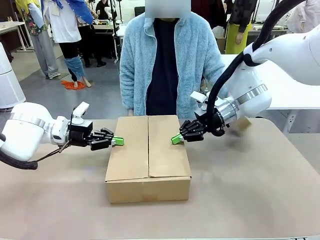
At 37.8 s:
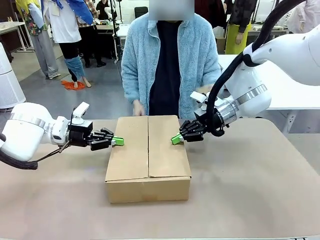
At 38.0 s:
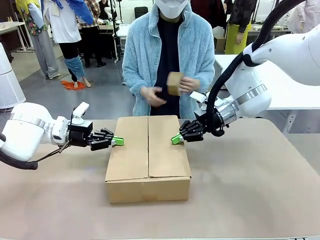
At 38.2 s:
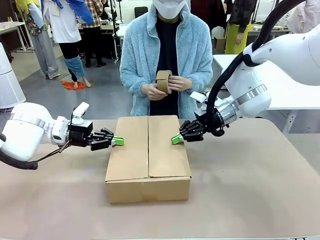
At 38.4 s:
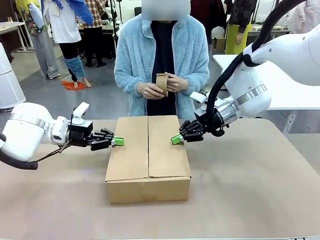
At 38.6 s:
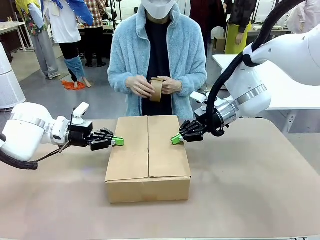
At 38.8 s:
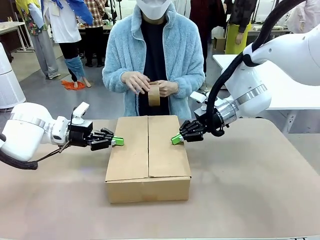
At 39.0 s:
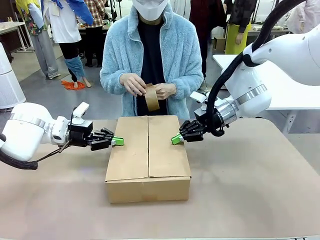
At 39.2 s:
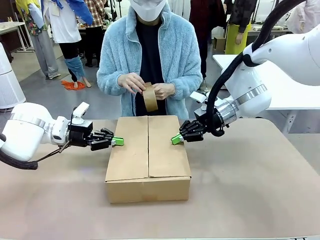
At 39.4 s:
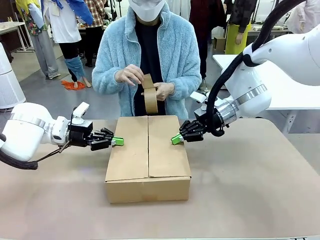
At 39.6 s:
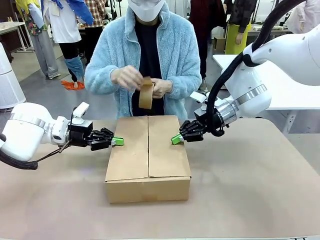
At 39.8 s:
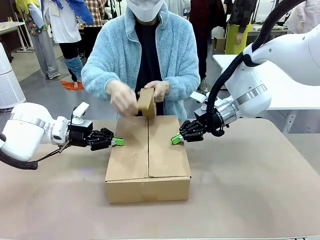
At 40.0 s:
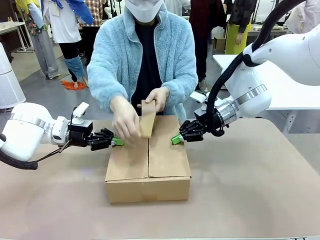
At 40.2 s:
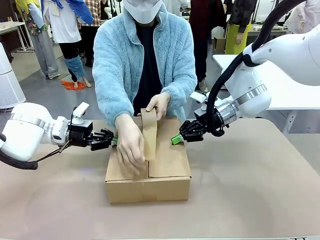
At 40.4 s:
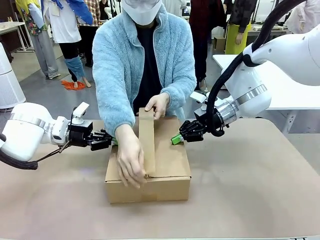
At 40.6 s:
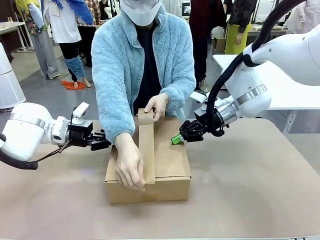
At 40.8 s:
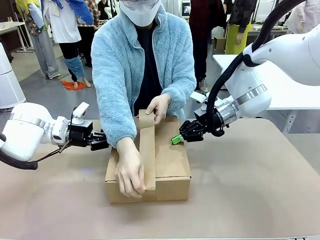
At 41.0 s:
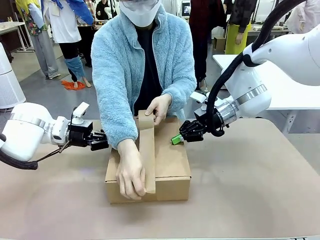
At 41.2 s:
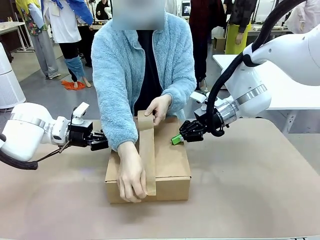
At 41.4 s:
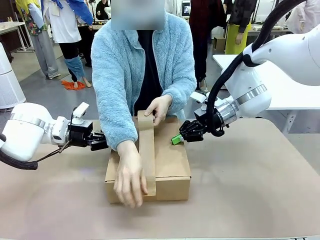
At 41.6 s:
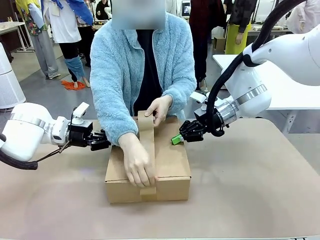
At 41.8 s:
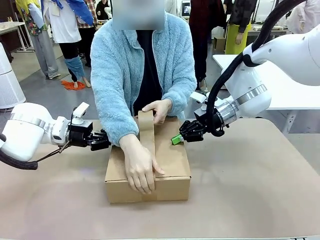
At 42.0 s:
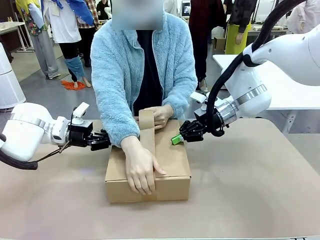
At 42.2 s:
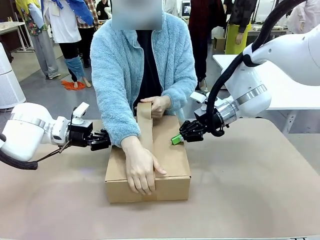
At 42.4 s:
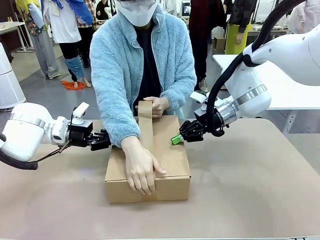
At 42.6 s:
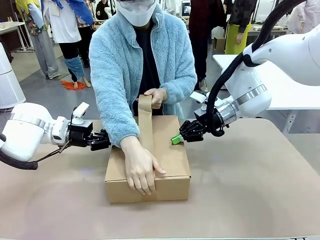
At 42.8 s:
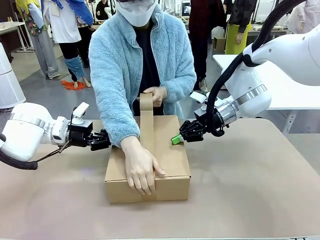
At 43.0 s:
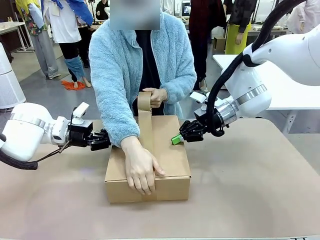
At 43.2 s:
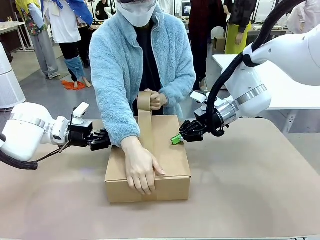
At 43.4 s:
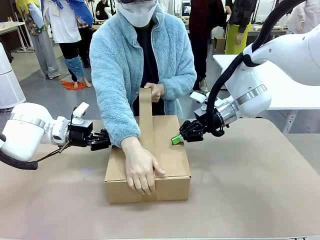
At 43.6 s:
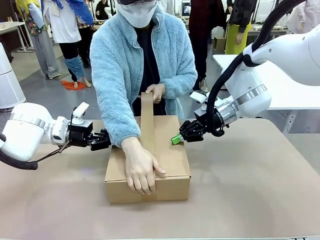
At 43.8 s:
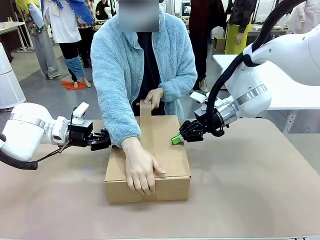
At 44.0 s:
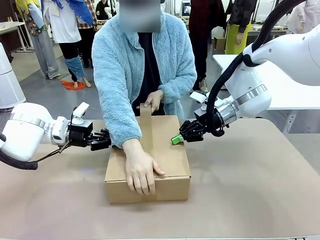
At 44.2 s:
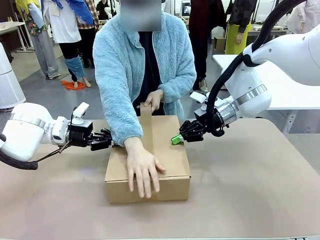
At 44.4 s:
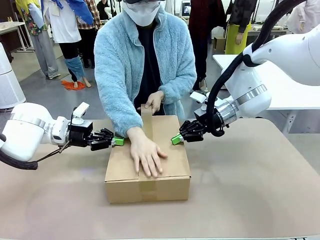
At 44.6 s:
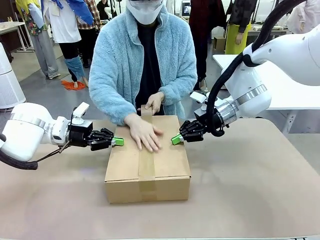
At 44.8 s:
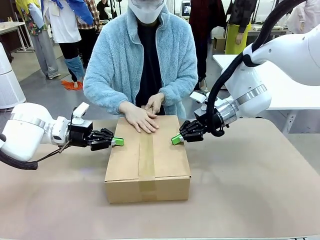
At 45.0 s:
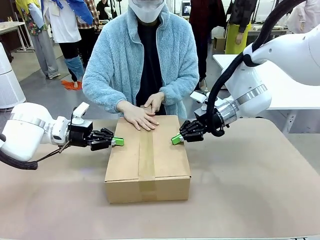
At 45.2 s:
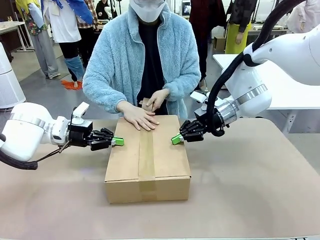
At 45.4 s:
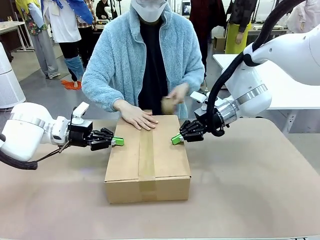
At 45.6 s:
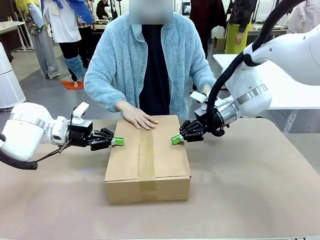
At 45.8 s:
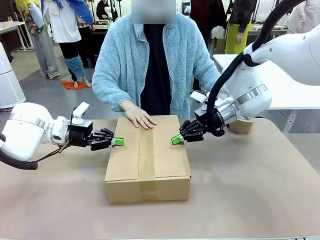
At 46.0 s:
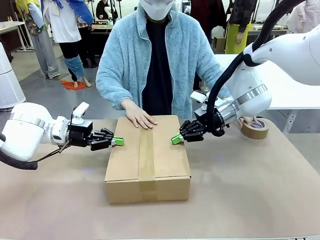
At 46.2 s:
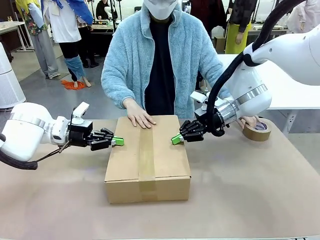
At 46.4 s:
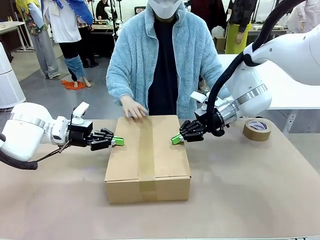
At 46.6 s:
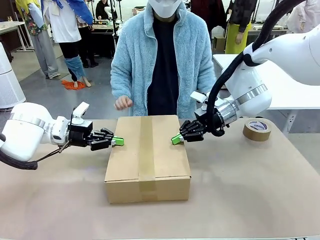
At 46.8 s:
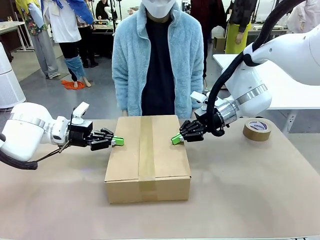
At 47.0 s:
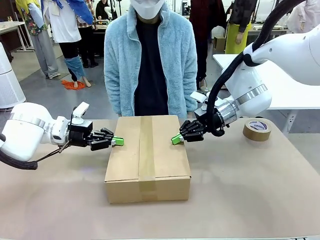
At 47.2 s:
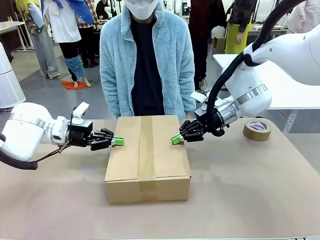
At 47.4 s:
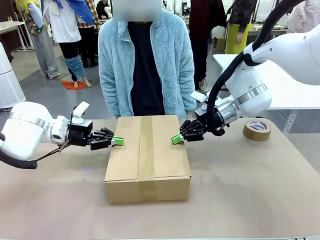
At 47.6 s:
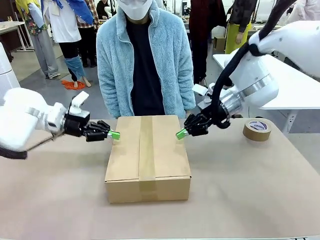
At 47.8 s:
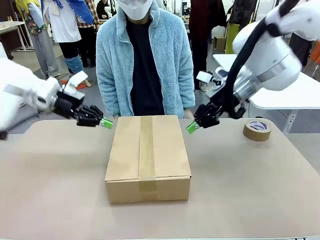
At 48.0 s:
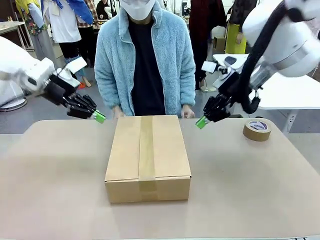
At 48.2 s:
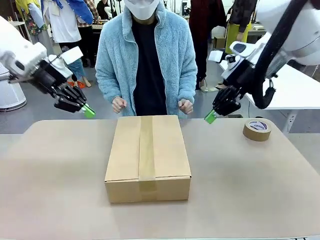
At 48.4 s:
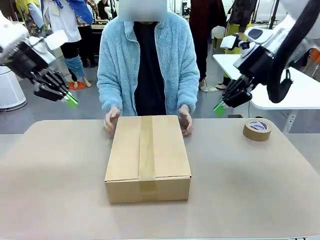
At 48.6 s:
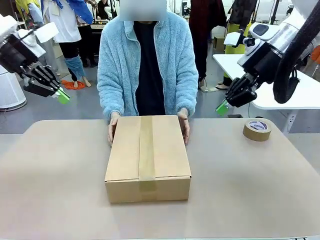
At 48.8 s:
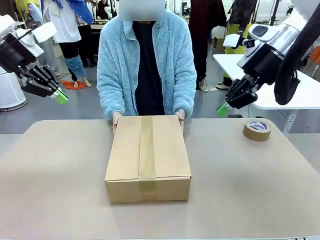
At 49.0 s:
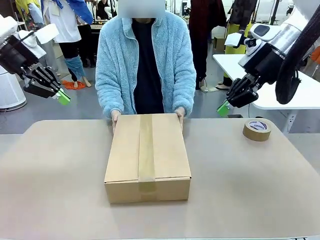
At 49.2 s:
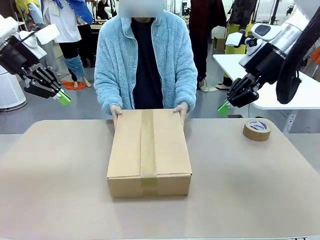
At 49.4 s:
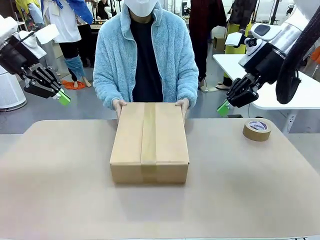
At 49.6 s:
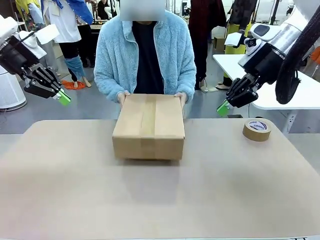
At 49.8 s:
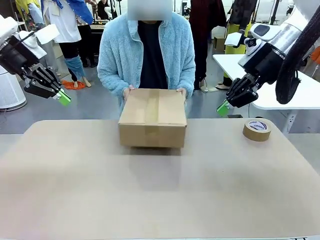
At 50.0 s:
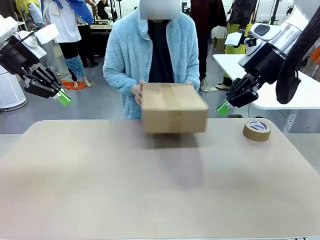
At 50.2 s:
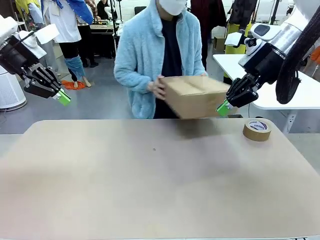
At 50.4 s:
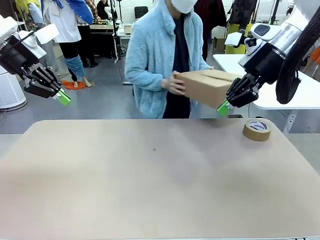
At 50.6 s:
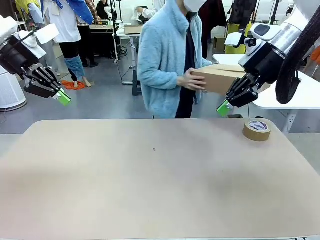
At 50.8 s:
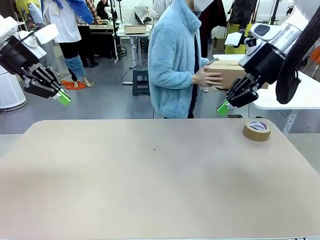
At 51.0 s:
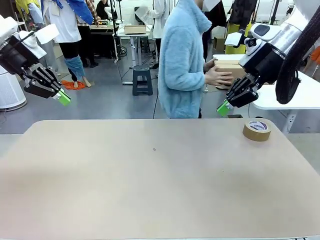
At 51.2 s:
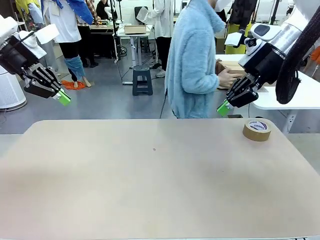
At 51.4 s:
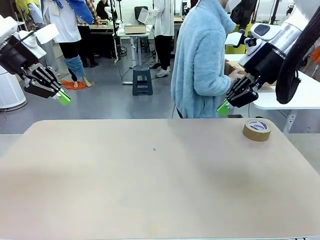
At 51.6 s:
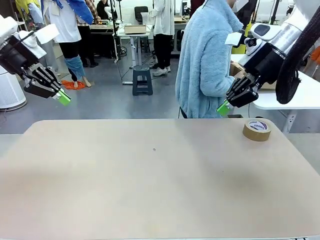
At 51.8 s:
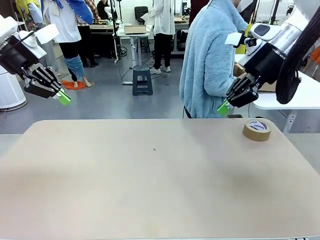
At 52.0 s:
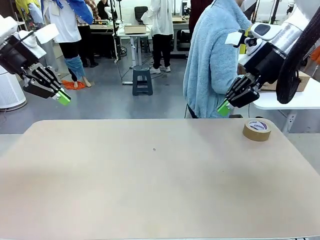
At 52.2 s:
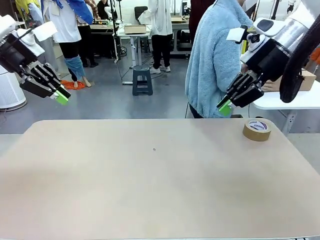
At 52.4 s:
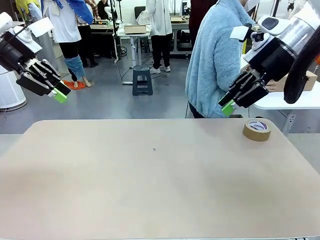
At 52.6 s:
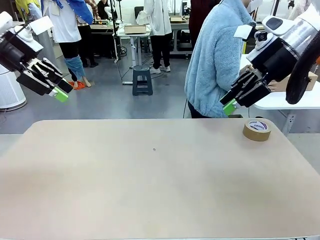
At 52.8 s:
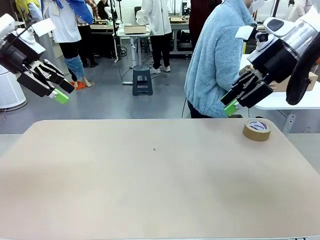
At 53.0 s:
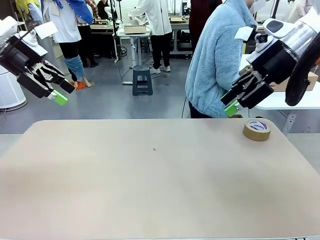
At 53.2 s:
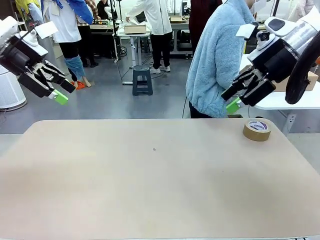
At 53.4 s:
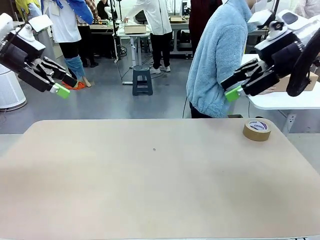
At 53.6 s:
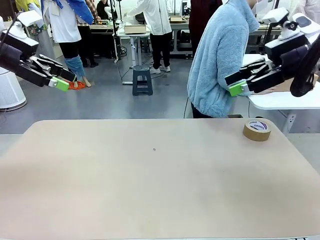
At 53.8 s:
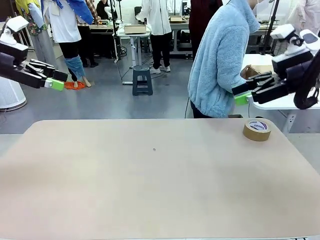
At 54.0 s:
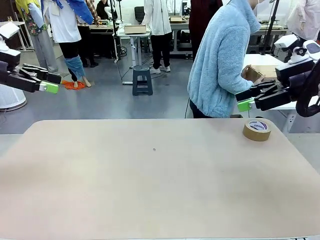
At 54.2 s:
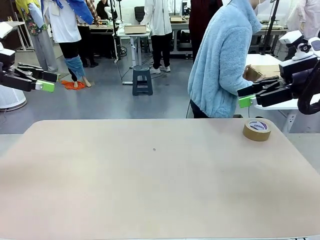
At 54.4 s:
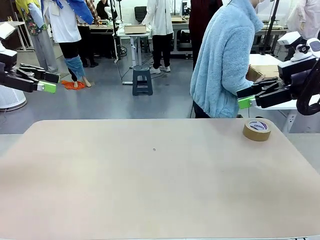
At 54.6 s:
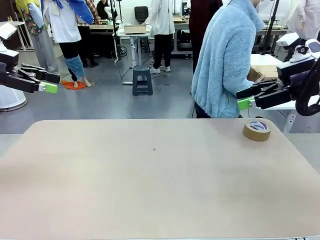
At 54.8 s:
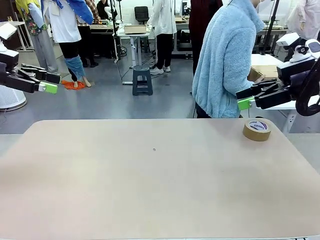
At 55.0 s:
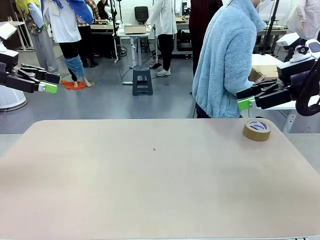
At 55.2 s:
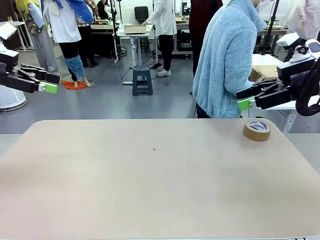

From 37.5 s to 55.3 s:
Task: Wrap the clocks to prevent damage.
Robot: After the human seals the box with tape, release both hands from the side flaps of the Package Box.
Person: Once the robot closes the left flap of the Package Box , seal the box with Paper Tape. Place sealed Package Box in the middle of the human's table.
